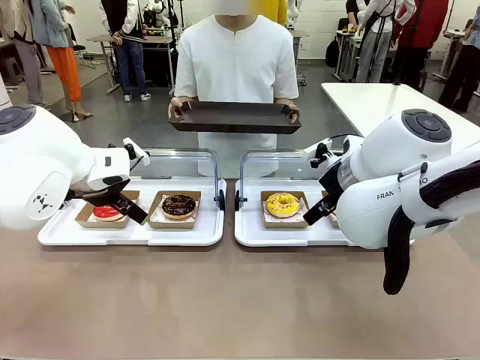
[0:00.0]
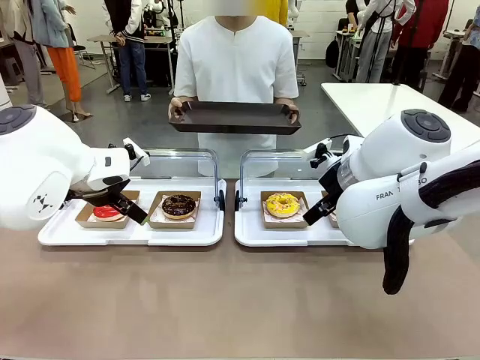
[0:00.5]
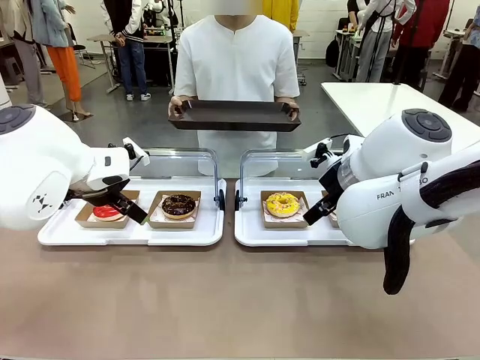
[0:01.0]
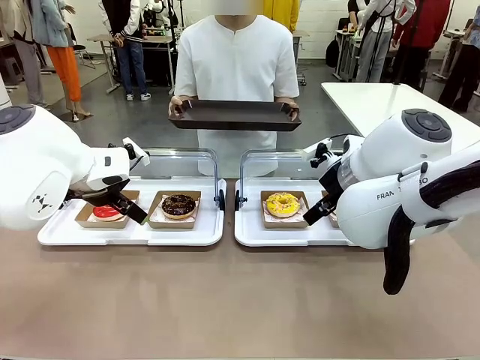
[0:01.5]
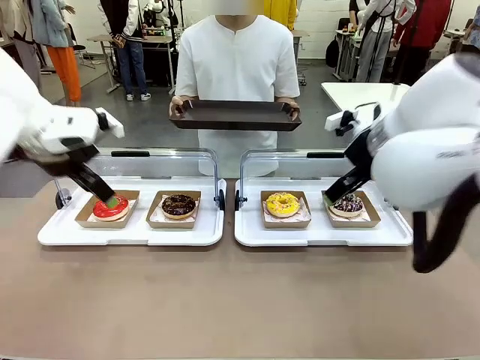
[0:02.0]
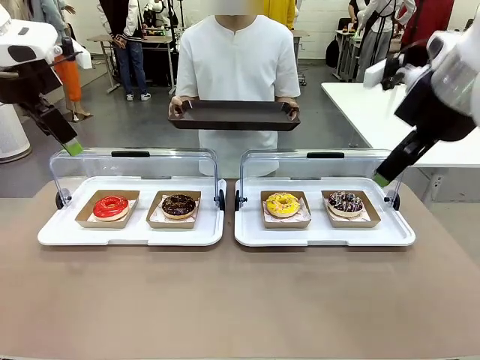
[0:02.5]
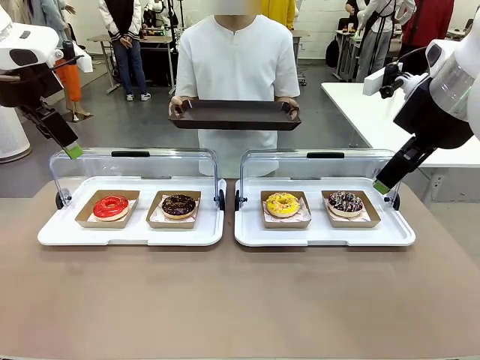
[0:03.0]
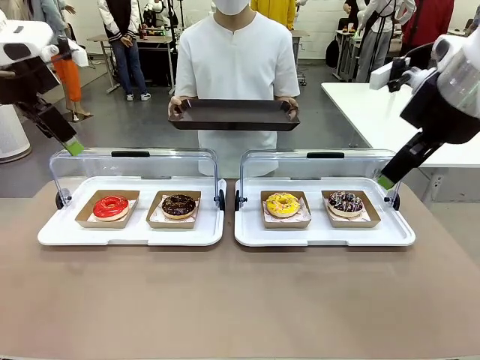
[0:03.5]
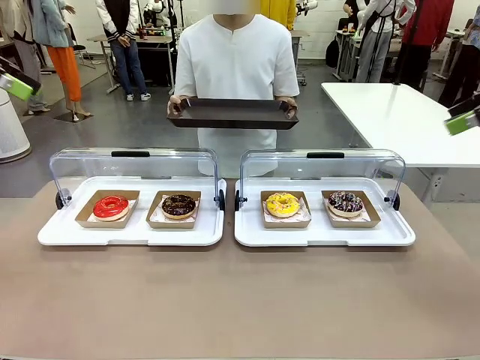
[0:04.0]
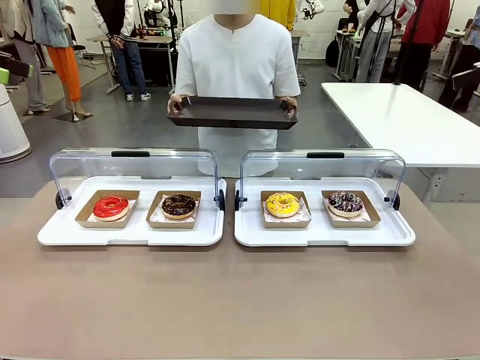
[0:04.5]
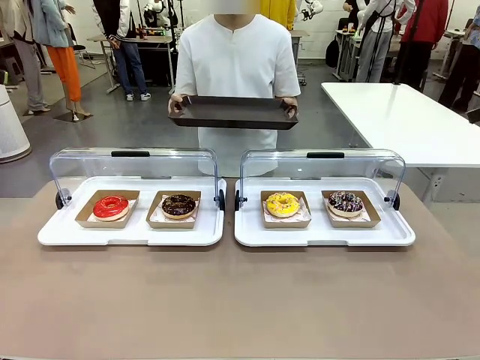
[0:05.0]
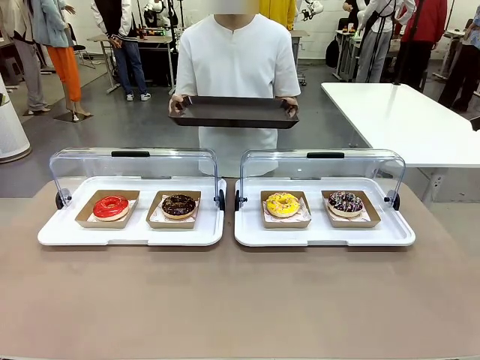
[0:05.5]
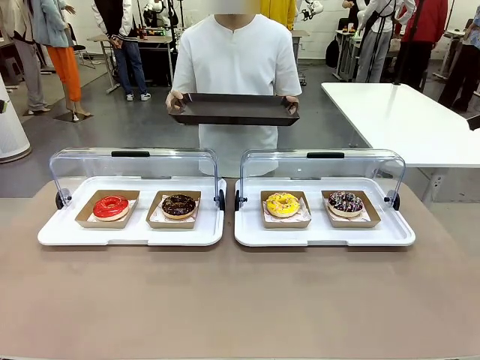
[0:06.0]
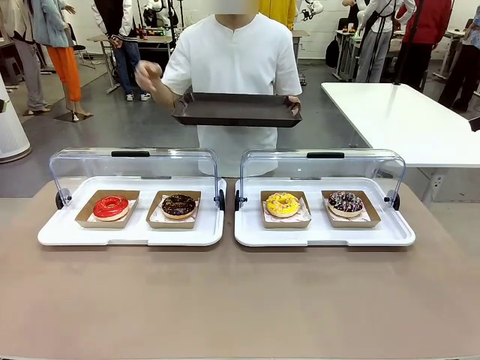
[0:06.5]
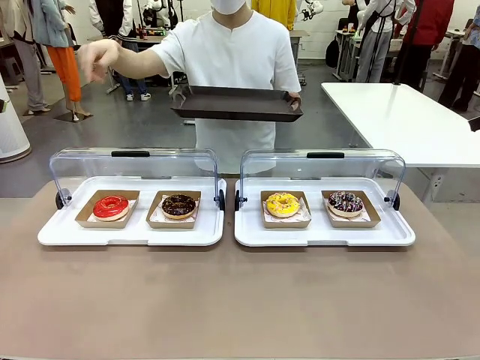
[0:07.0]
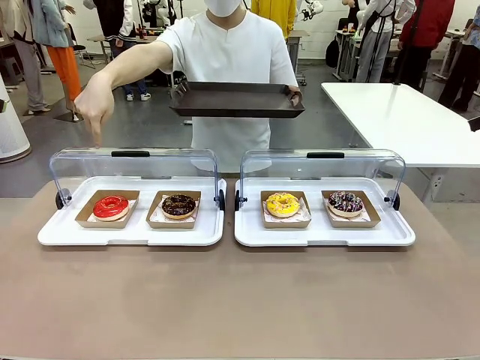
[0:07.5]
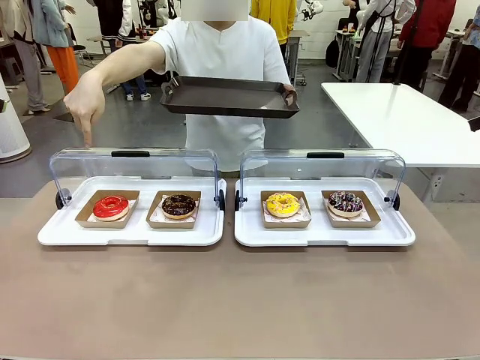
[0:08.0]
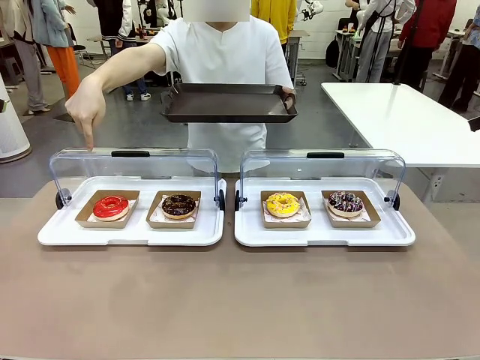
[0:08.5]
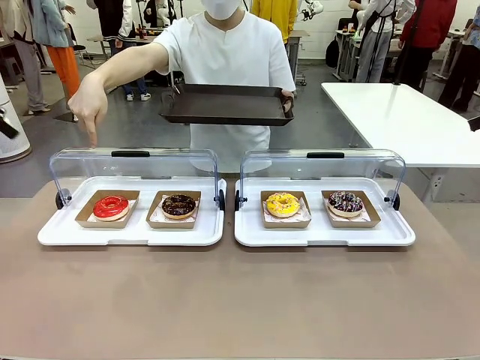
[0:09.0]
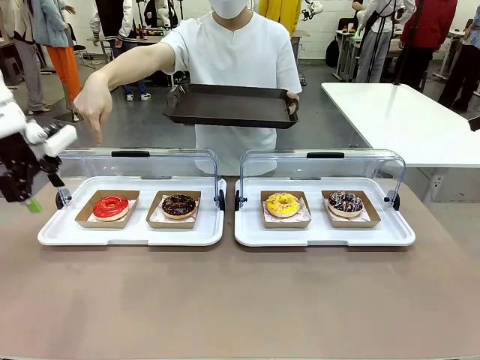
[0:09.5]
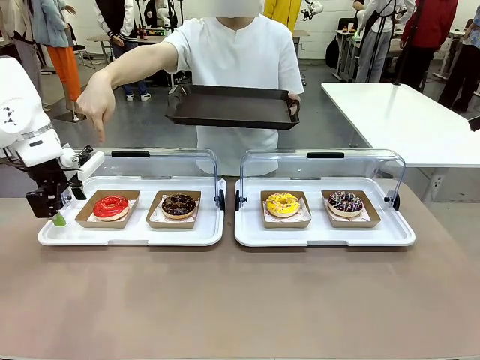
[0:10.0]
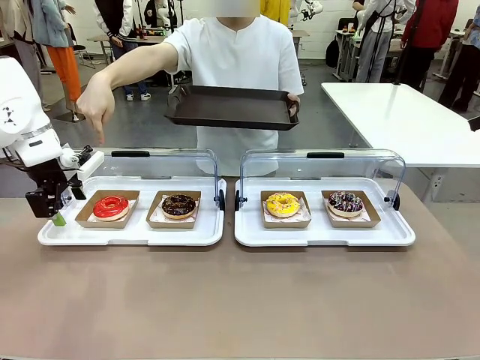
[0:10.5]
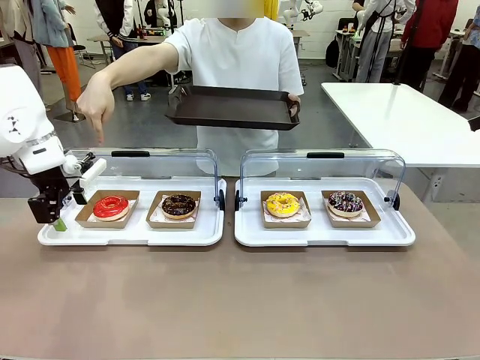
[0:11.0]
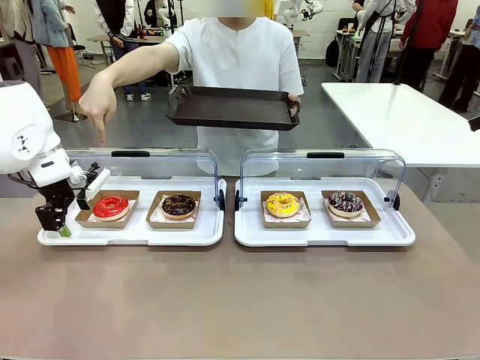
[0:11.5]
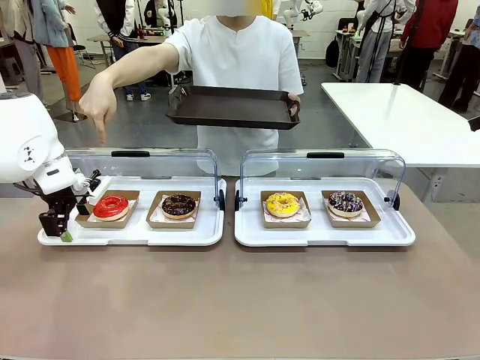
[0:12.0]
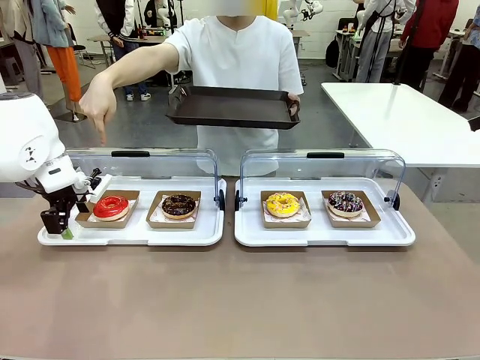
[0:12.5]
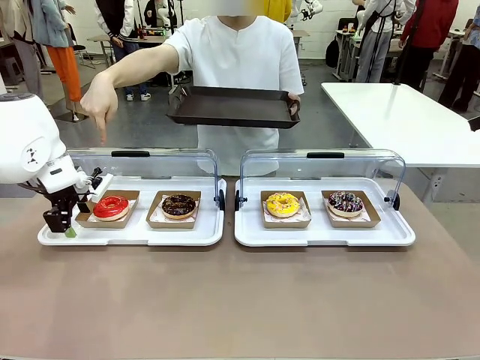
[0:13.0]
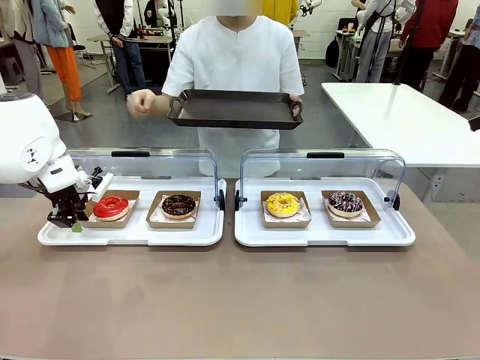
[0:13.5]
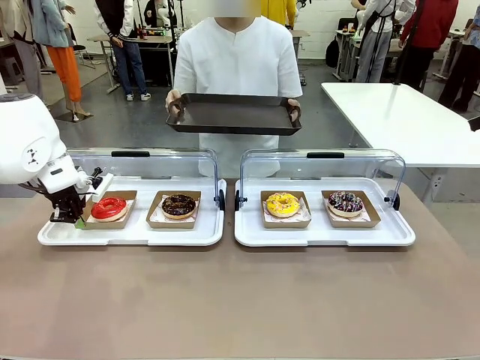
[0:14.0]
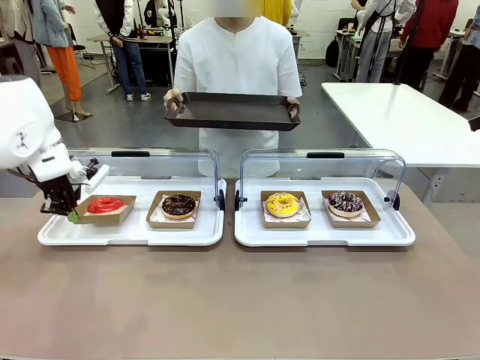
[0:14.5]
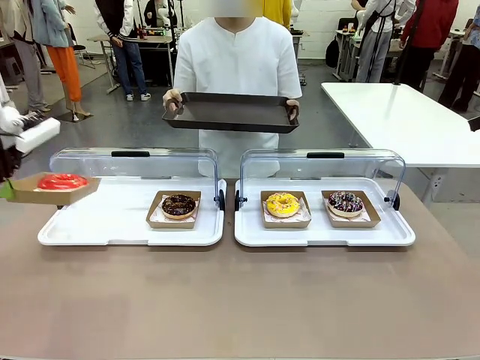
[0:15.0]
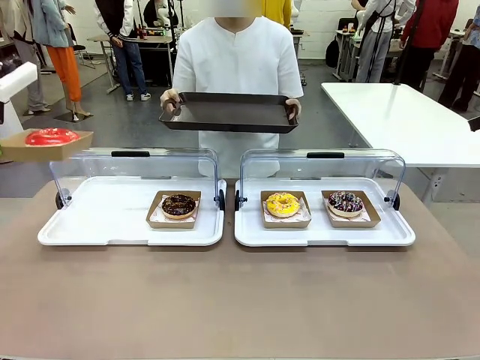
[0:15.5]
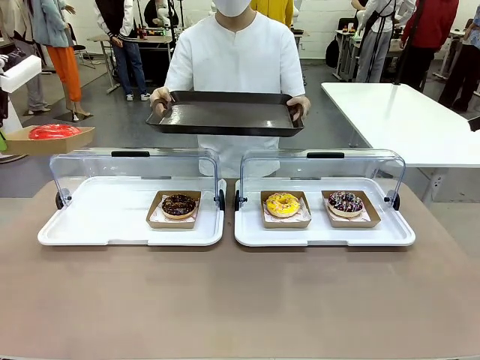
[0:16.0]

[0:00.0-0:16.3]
Task: Provide the desired donut to the person.
Robot: Pick up and lift the Paper togo box containing the Donut pointed at by the person.
Person: Point to one donut. Lift the tray onto the Roll-Top Bakery Case.

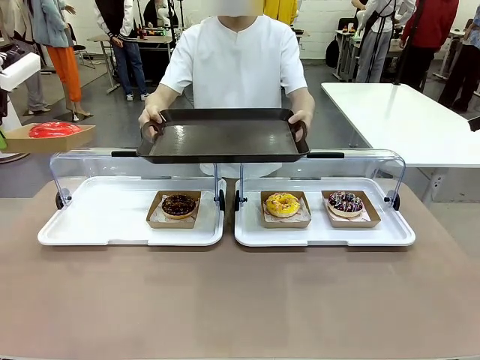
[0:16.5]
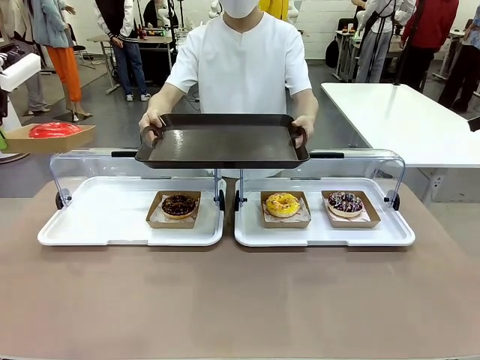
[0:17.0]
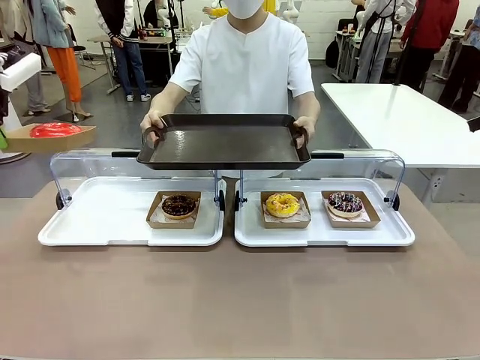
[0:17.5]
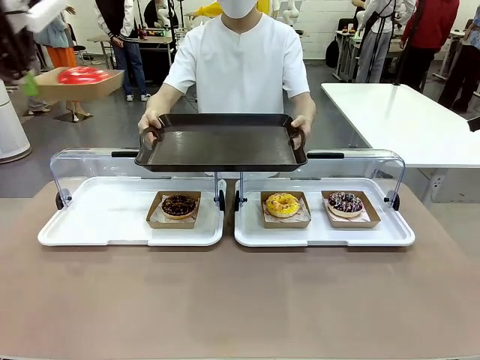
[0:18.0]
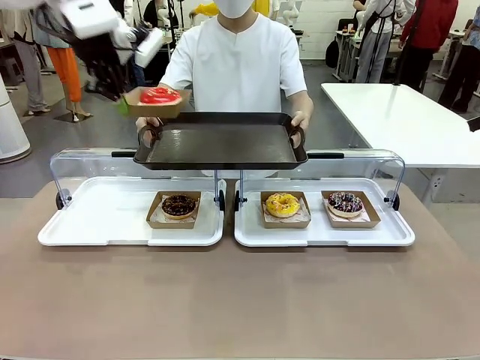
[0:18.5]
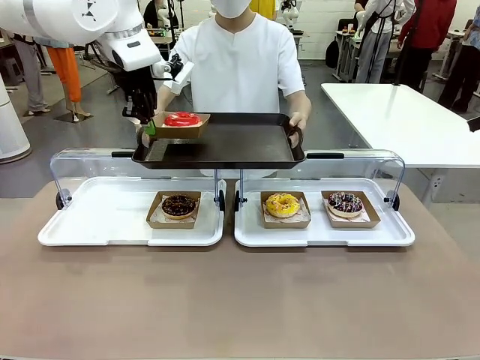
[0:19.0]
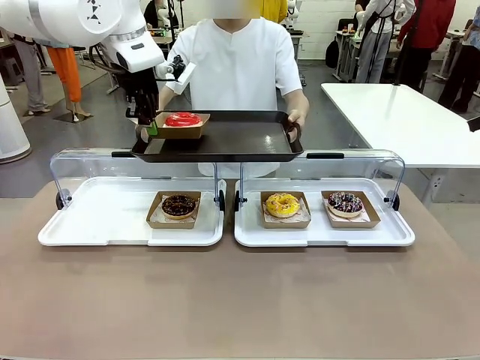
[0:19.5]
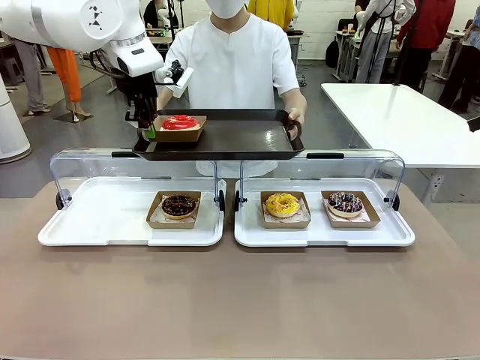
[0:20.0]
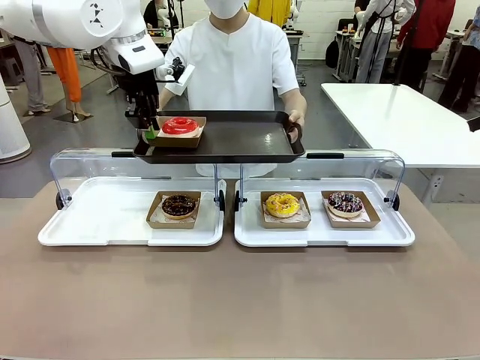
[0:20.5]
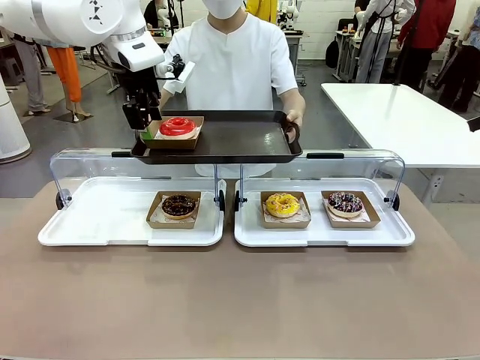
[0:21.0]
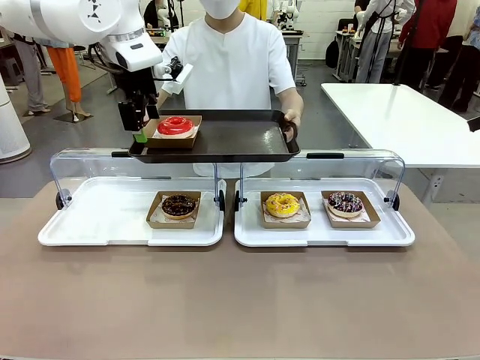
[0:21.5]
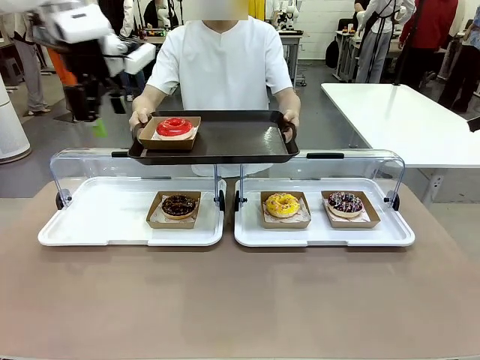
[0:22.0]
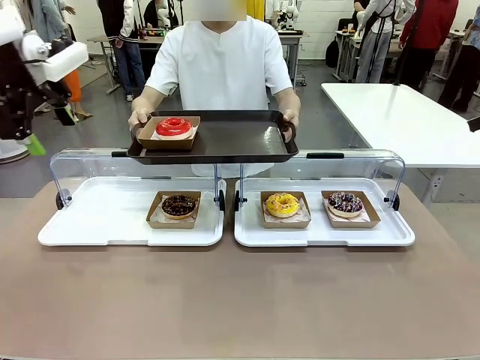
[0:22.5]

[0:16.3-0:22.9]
Robot: Place the picked Paper togo box onto the Handle tray extended by the person.

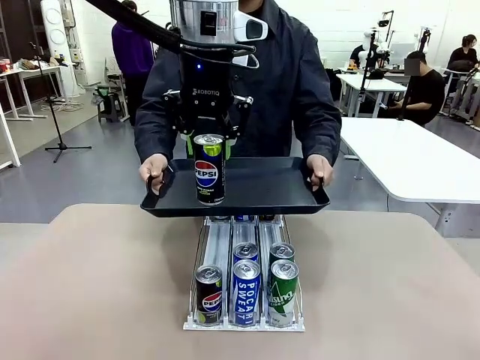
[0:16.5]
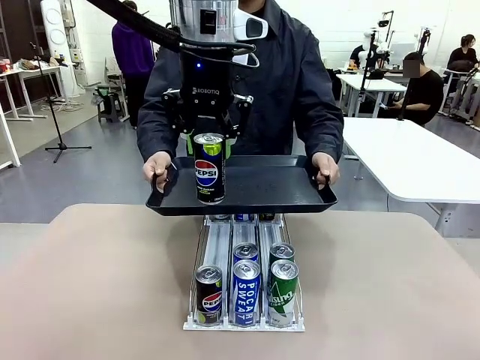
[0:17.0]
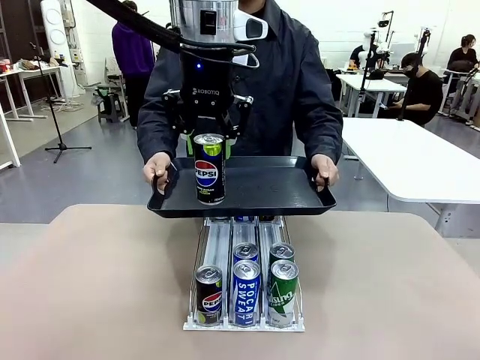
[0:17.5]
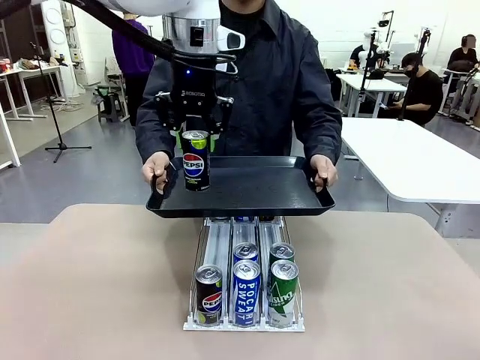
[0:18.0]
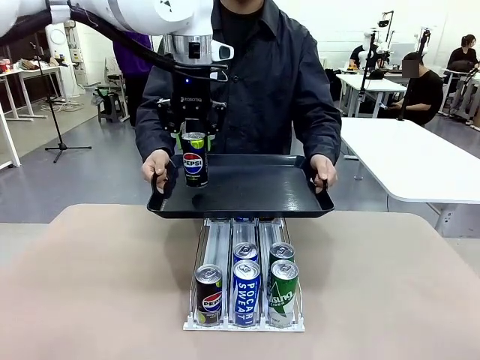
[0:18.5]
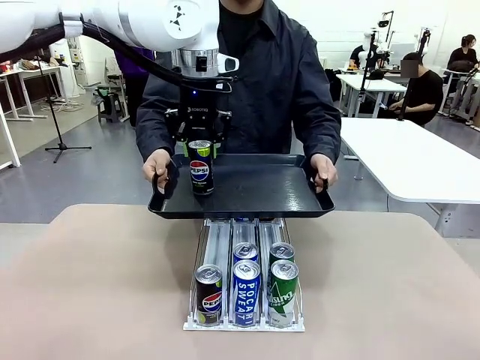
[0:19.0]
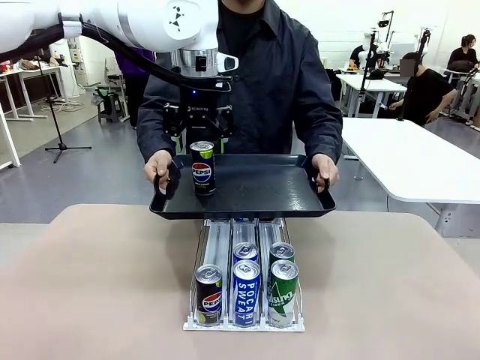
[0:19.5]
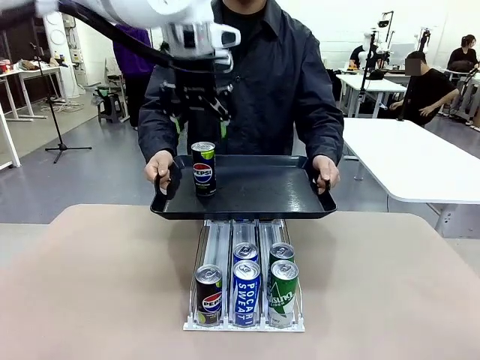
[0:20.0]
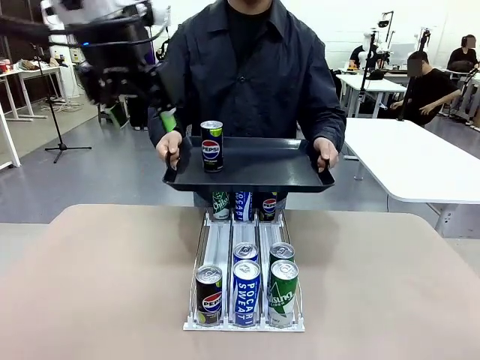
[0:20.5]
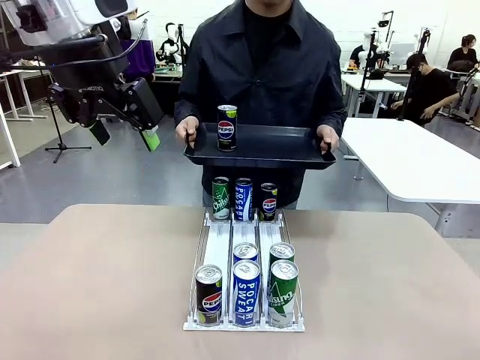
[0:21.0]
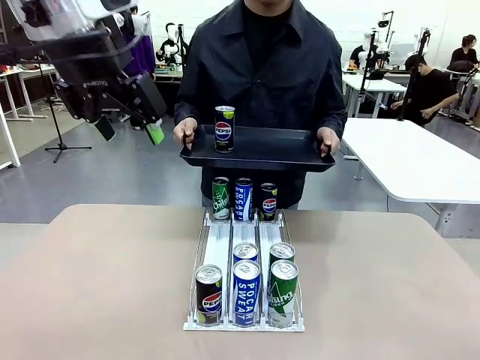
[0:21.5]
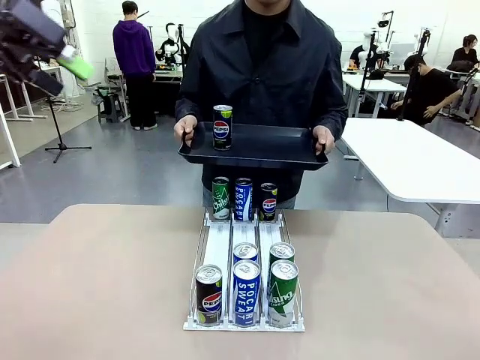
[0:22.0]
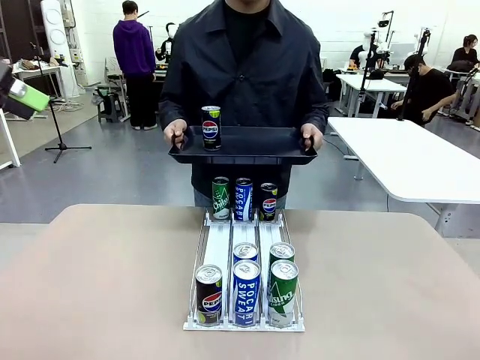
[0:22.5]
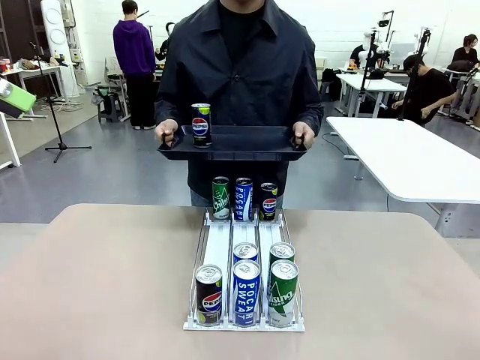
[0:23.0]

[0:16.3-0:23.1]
Task: Retrieve and hand over the desired beverage to the person.
Robot: Place the picked can on the Handle tray extended by the person.
